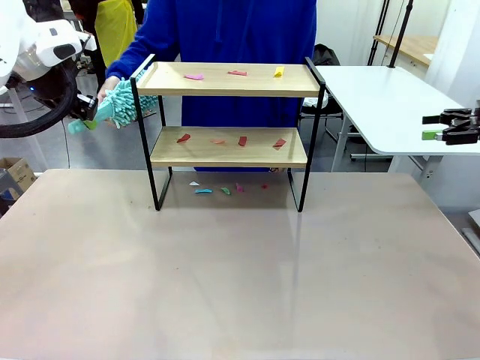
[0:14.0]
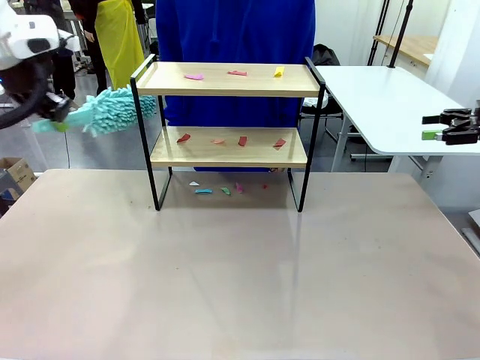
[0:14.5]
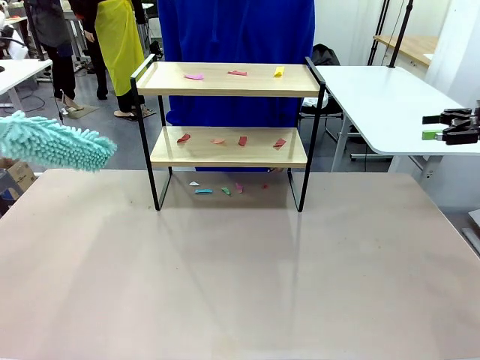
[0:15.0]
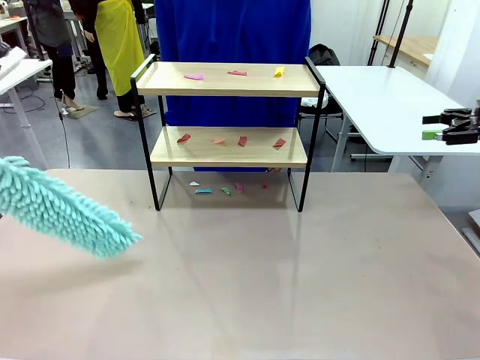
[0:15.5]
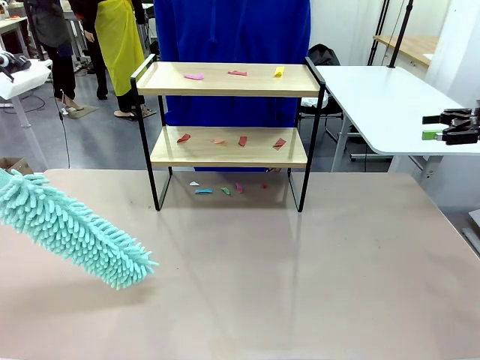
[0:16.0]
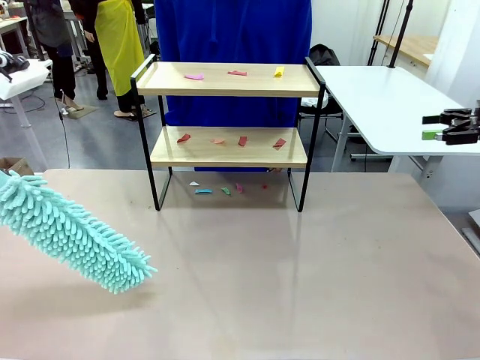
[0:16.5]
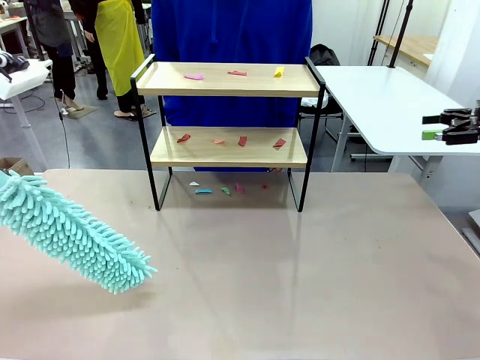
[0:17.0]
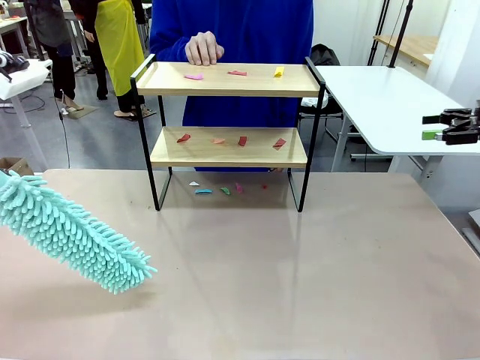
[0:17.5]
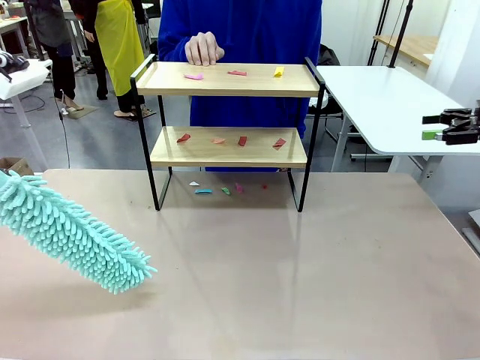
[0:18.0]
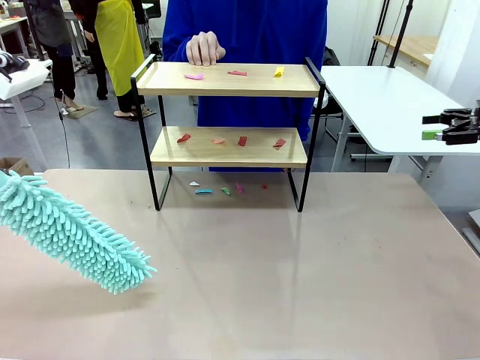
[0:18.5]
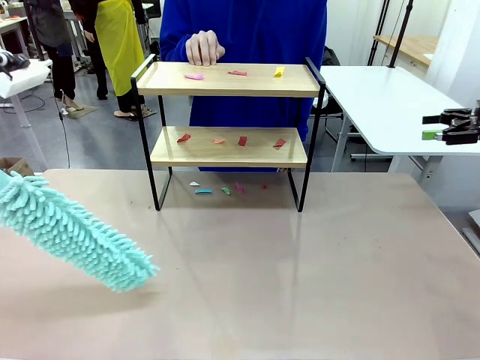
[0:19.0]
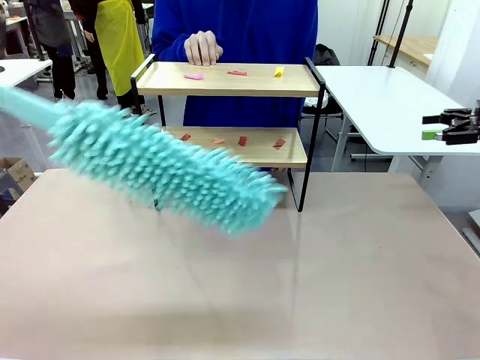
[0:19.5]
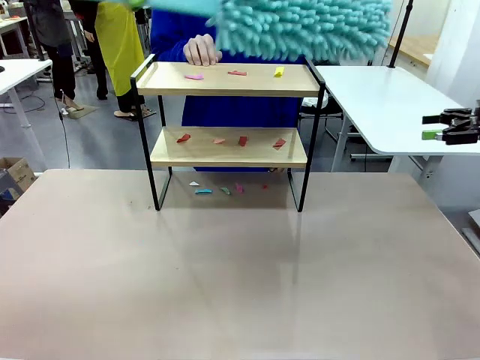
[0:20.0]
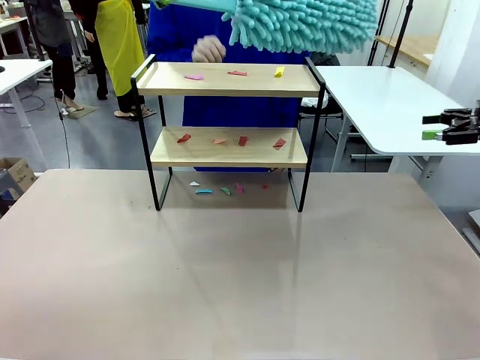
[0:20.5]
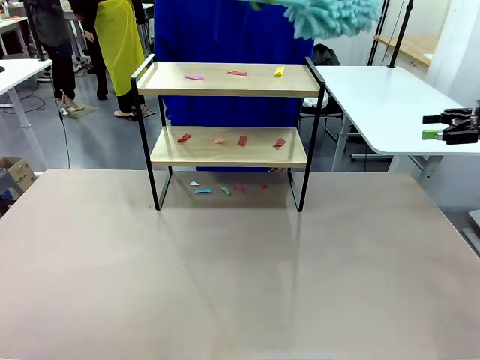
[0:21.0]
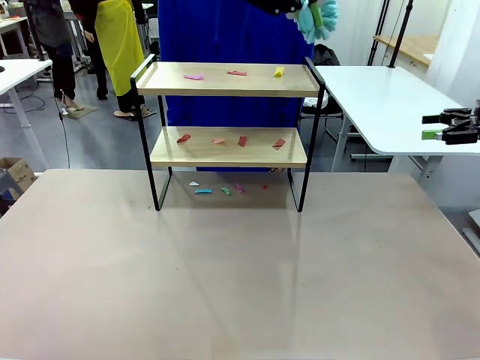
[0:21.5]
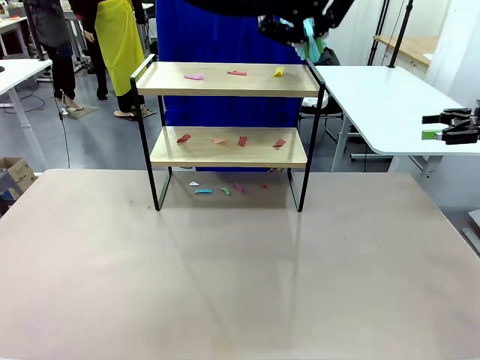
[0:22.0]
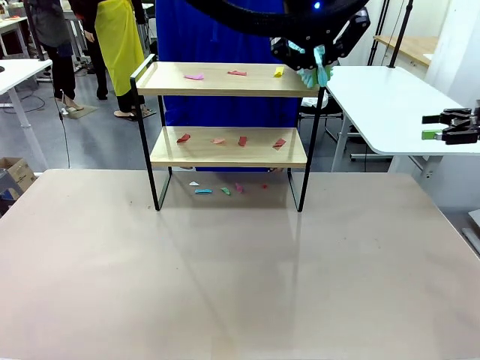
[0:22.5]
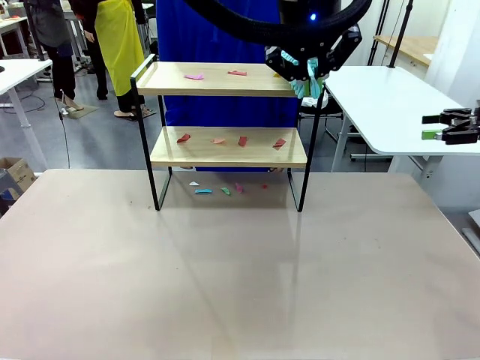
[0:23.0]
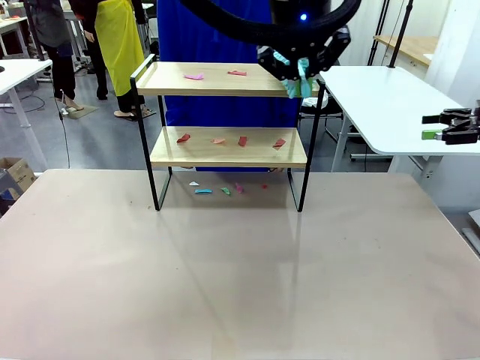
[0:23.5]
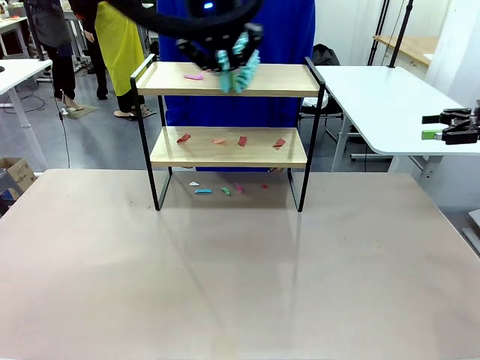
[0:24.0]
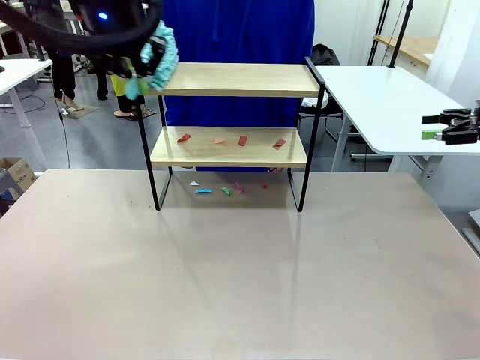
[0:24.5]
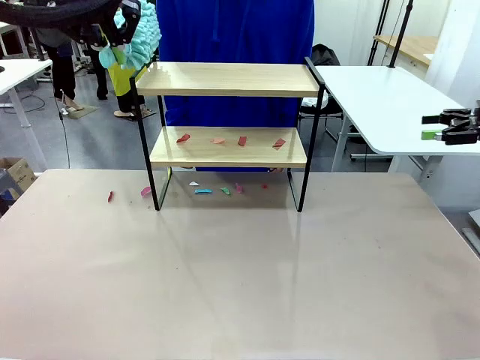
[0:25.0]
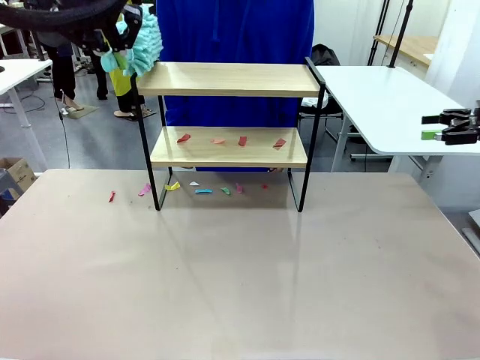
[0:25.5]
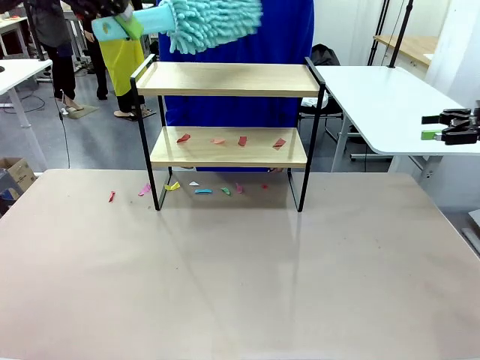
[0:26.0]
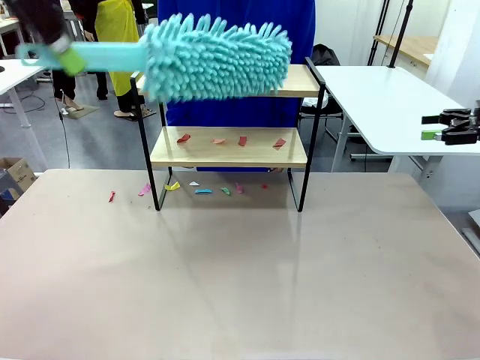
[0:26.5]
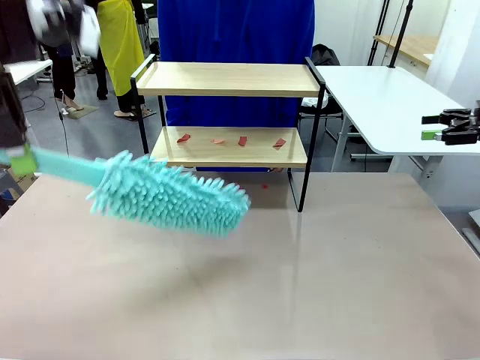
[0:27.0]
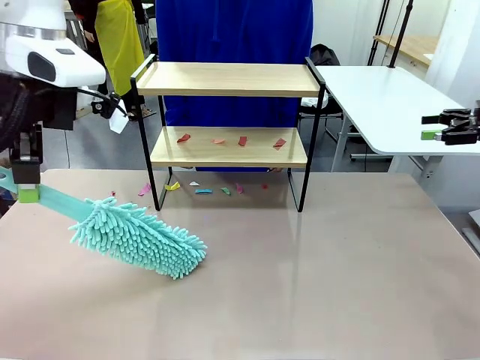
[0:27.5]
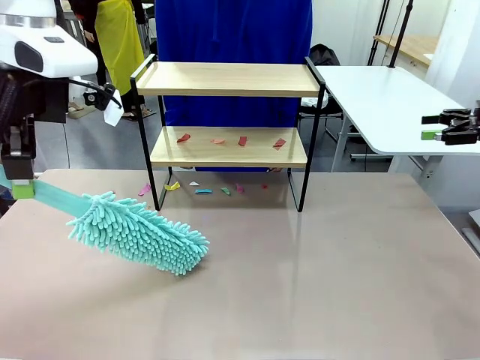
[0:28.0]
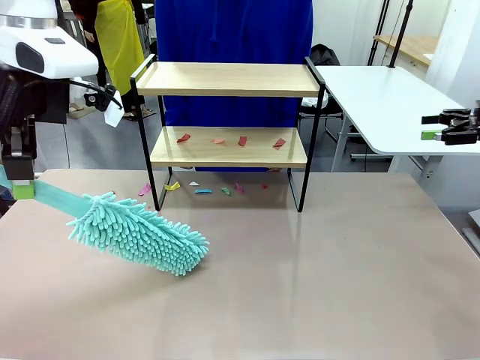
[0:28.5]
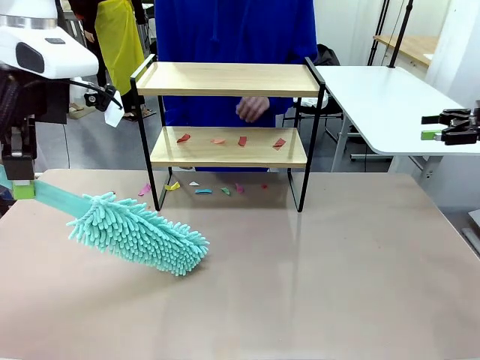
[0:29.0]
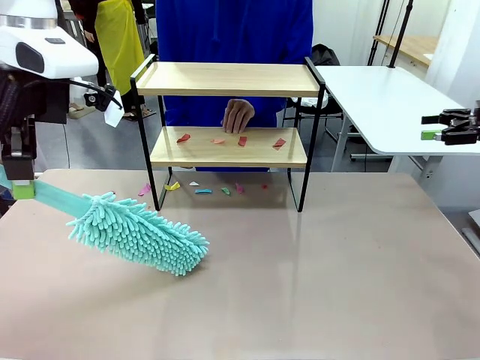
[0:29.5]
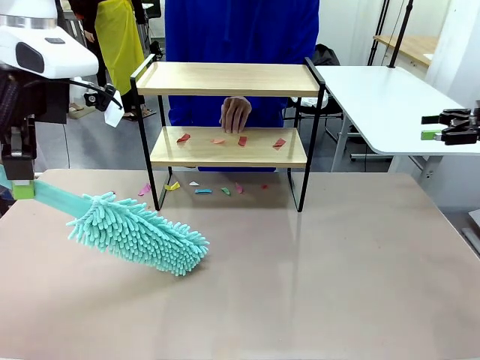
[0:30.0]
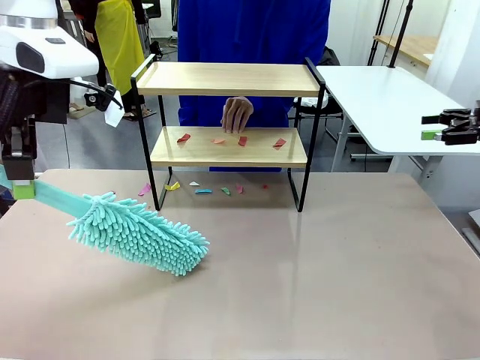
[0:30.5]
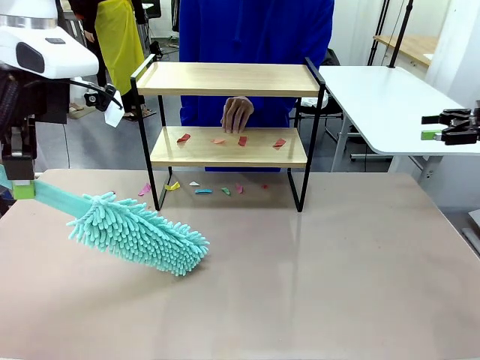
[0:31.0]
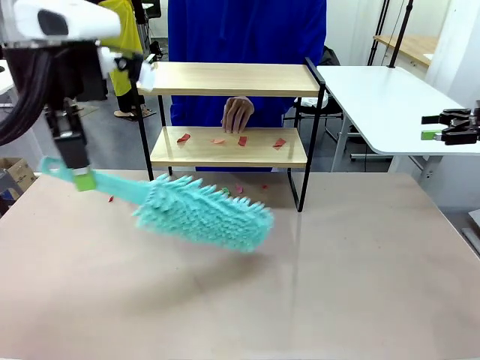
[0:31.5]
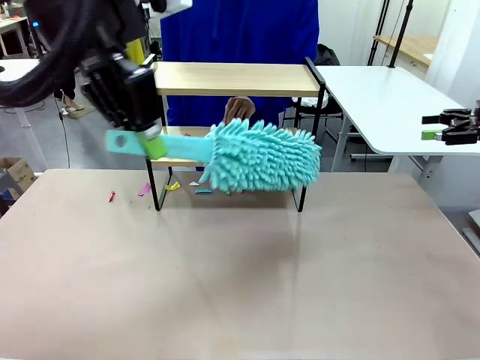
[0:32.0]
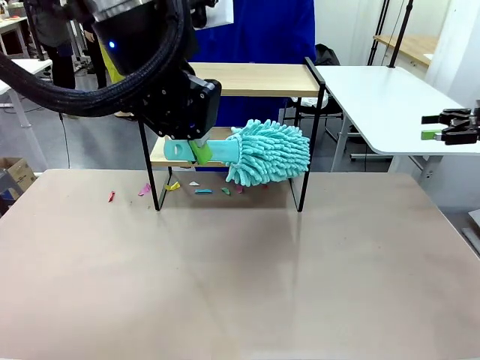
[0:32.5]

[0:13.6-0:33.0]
Task: Clean the shelf.
Robot: Clean the specific section of the Shelf indicated by the human with the Duster.
Person: Point a random section of the Shelf.
